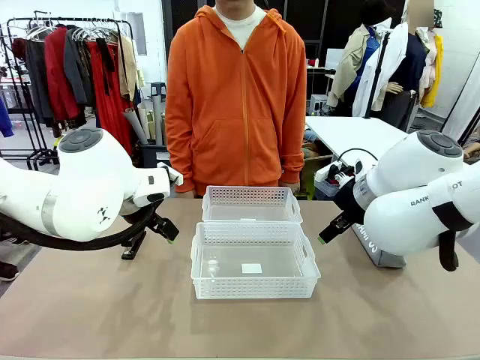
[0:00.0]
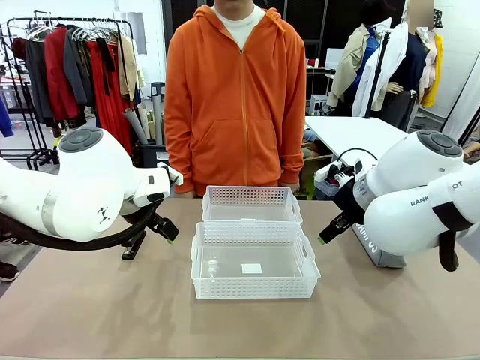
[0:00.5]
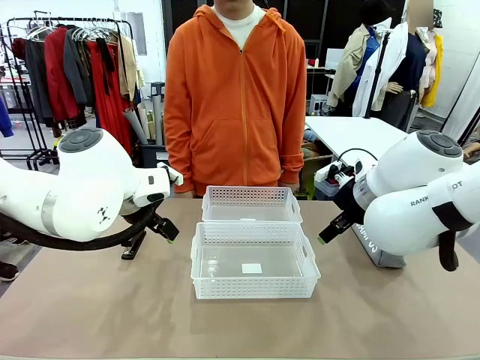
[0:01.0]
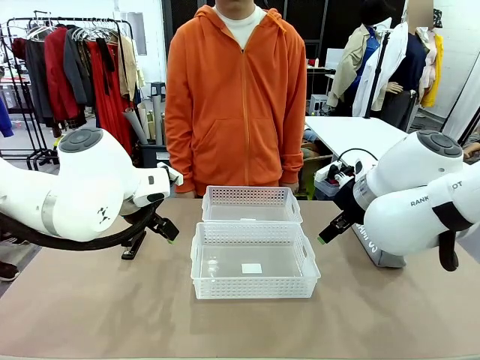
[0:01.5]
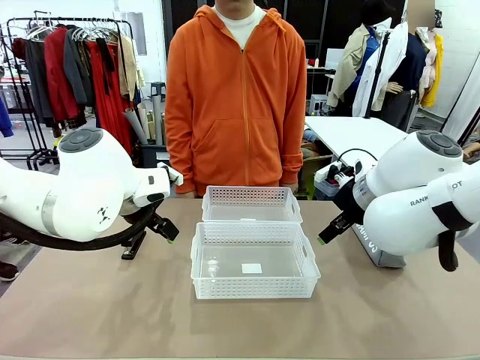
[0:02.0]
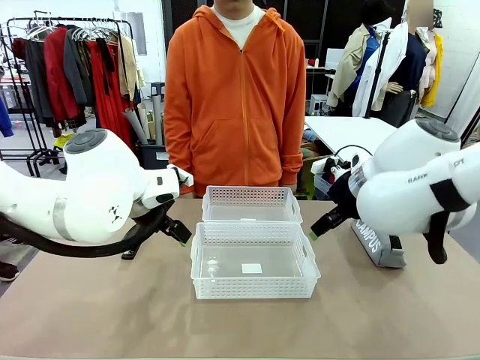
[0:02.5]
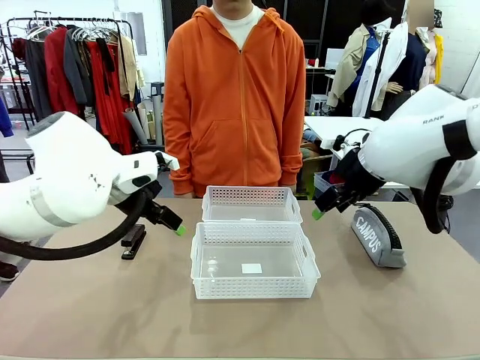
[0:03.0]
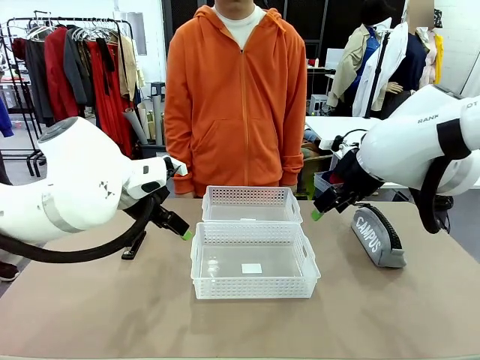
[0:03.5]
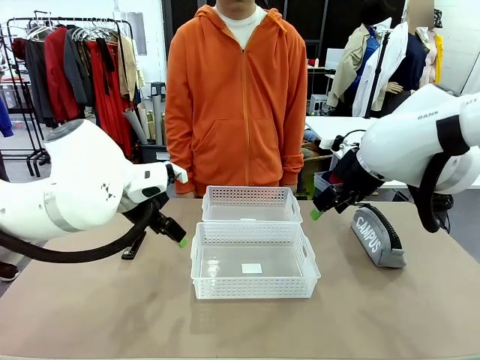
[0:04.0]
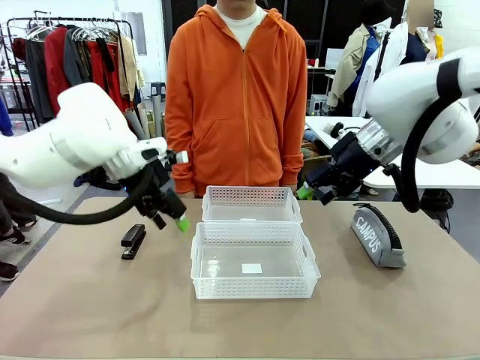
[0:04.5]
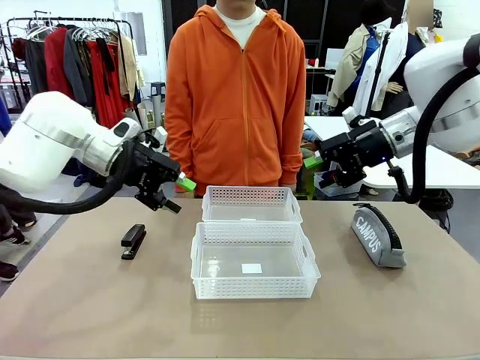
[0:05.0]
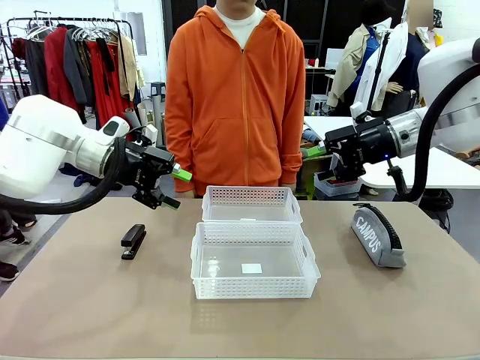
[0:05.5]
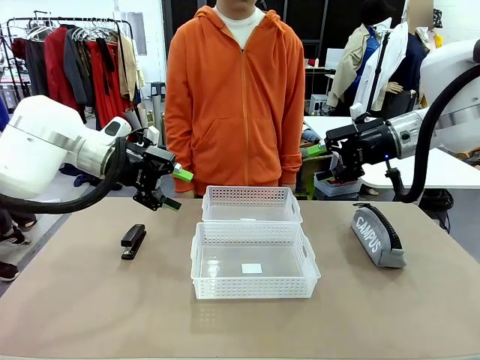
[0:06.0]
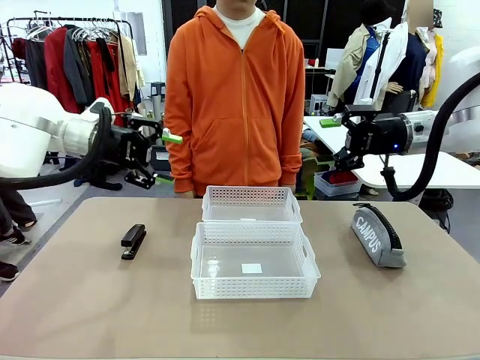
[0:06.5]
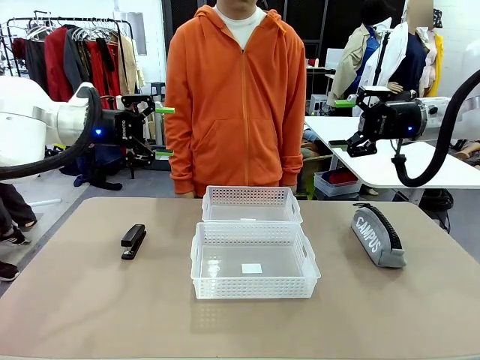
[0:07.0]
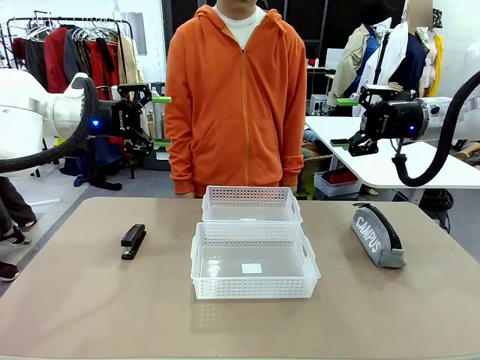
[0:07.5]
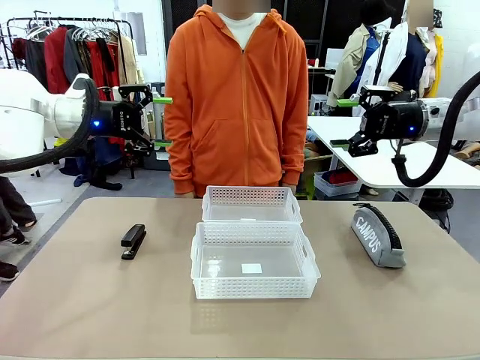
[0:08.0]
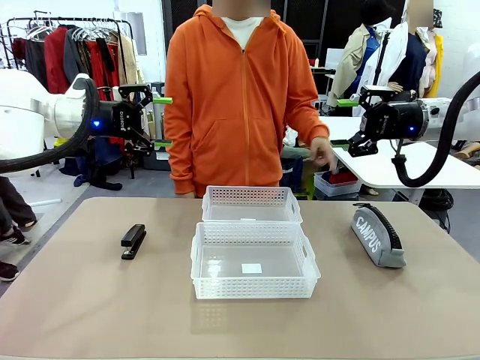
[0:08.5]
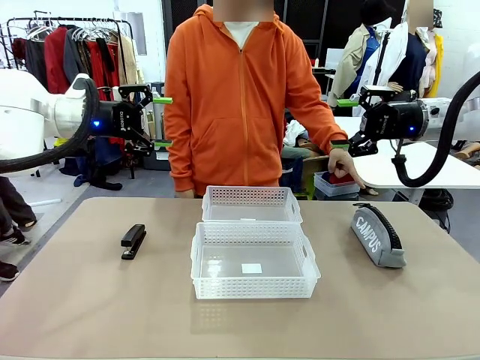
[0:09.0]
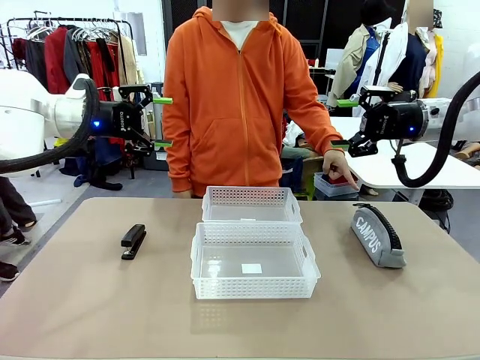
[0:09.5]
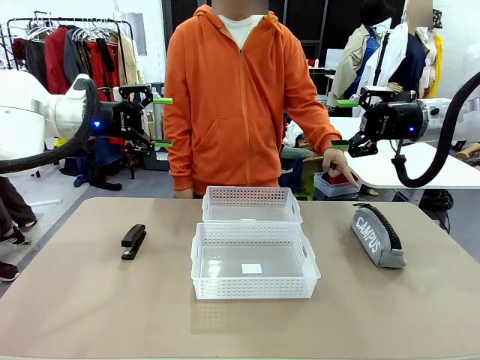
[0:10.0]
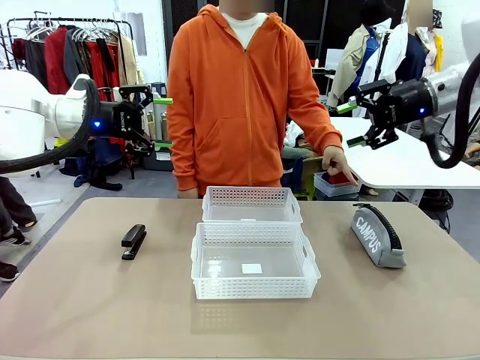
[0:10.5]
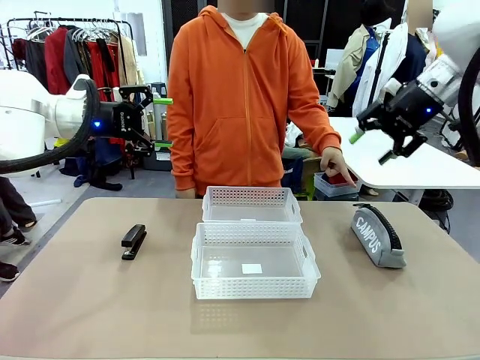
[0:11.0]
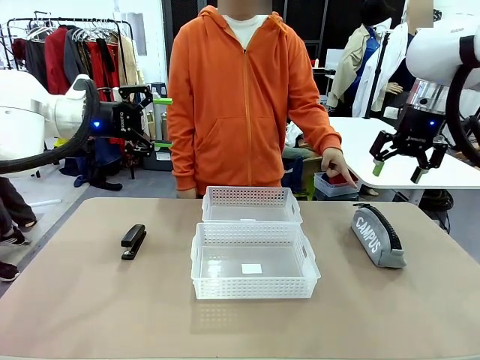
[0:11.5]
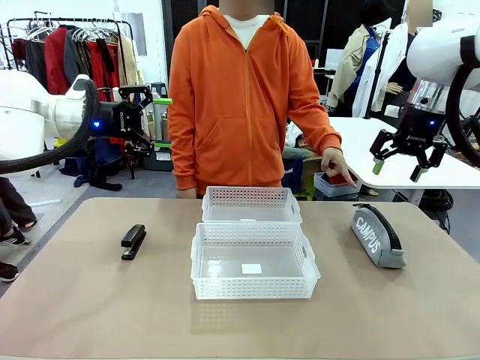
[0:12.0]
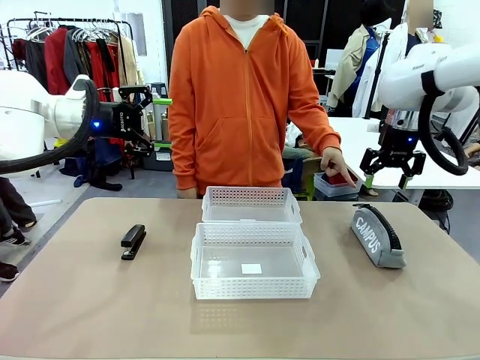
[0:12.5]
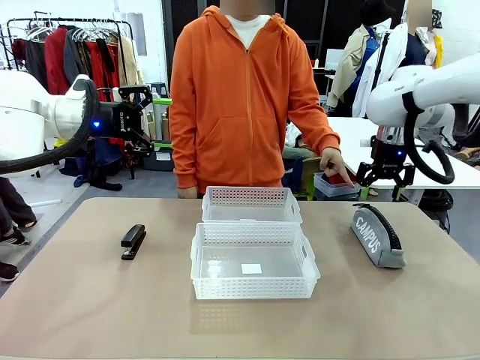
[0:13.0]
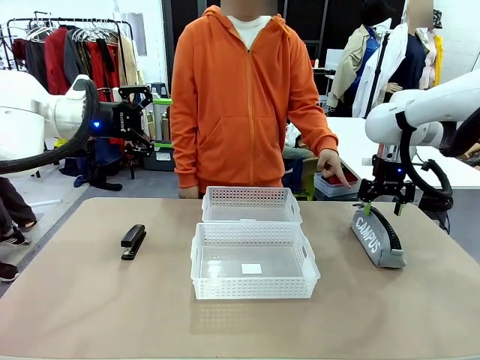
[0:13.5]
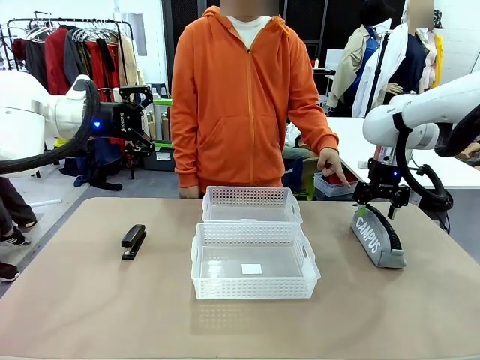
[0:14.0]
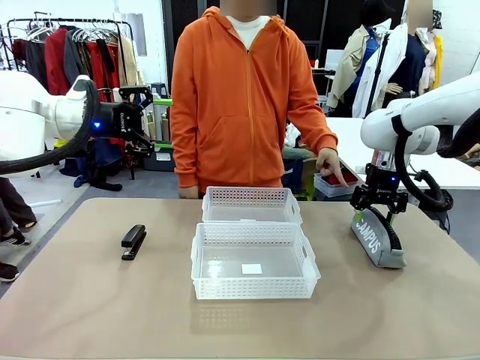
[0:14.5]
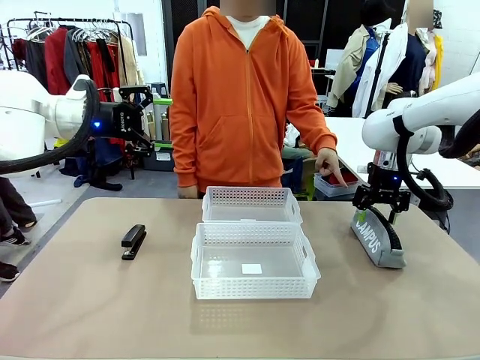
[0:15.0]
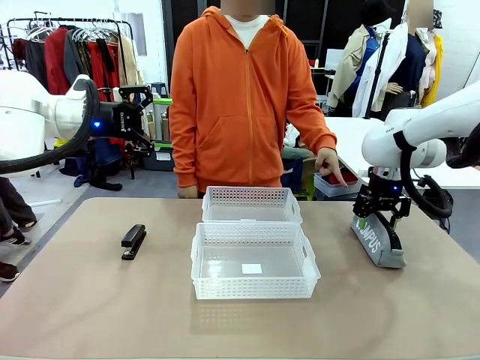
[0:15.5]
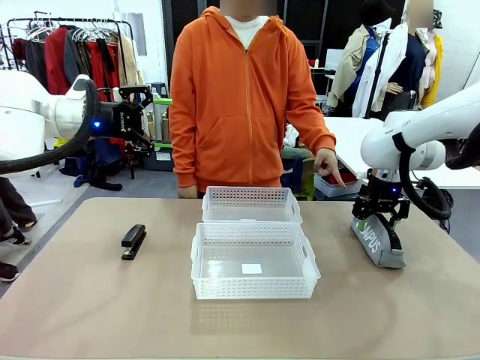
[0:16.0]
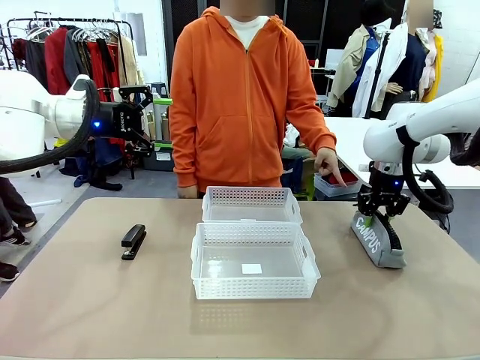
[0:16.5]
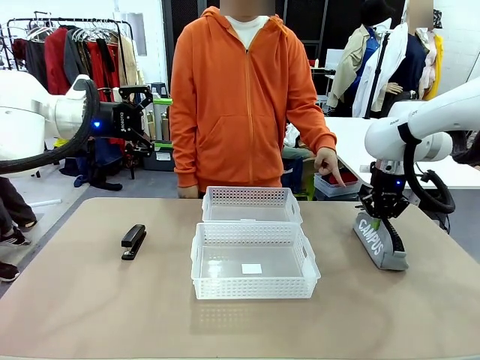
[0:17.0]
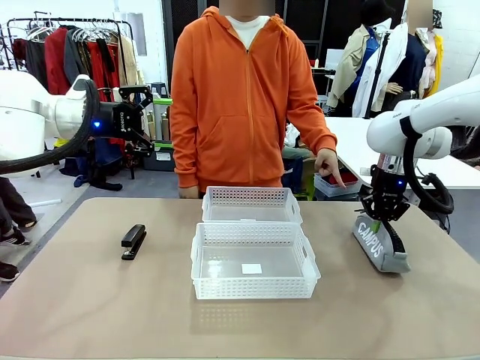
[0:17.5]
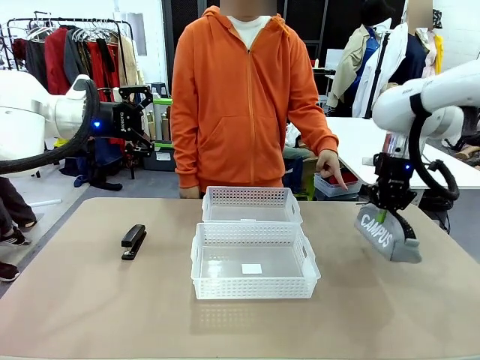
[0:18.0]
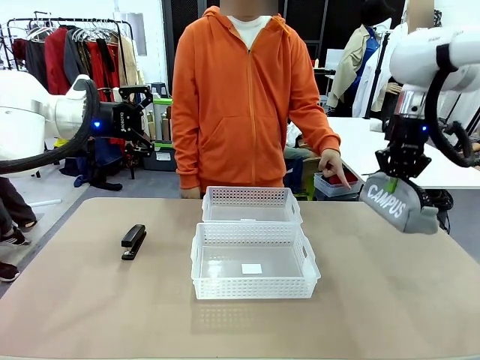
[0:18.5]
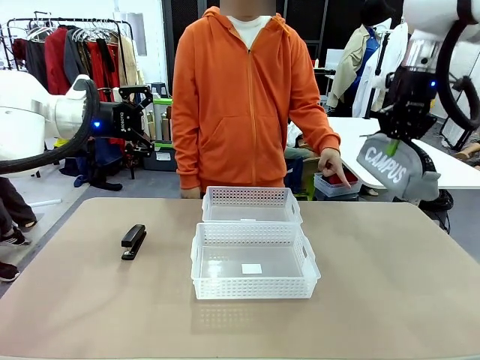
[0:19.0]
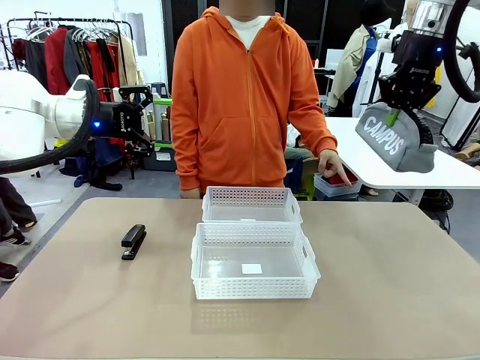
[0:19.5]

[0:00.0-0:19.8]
Task: Distribute items into two baskets.
Robot: Pick up the Pencil pouch that the person points to.
Person: Points to the pencil case. Points between the two organizing baskets and instructs the robot to move the pencil case.

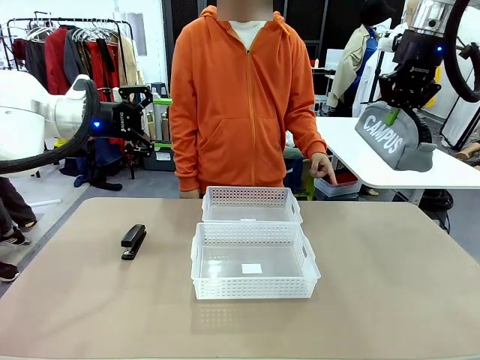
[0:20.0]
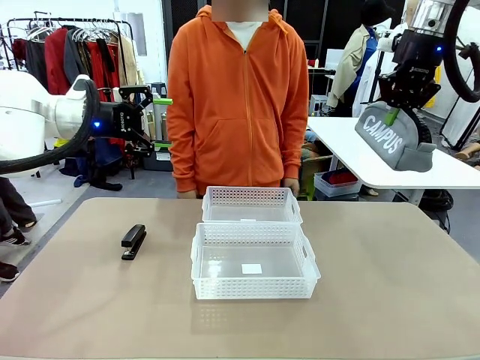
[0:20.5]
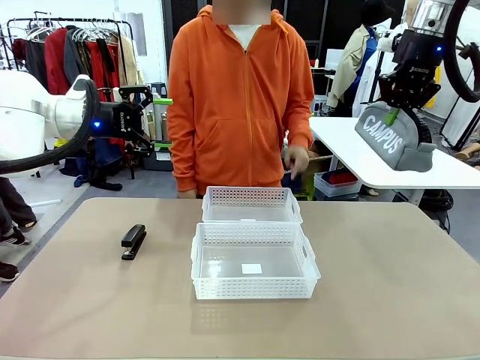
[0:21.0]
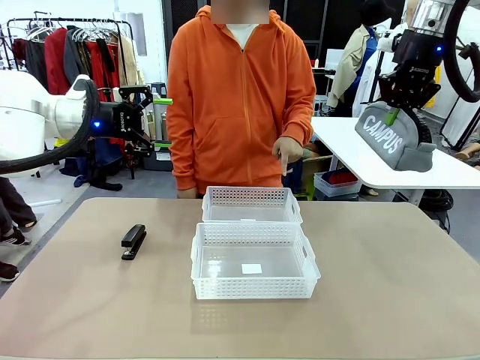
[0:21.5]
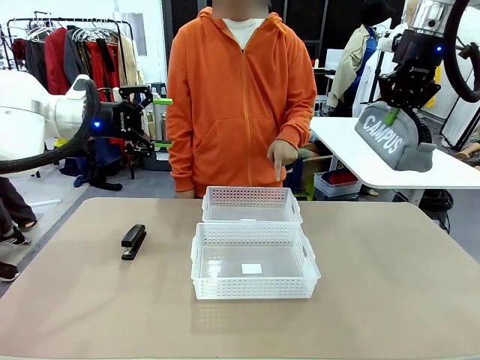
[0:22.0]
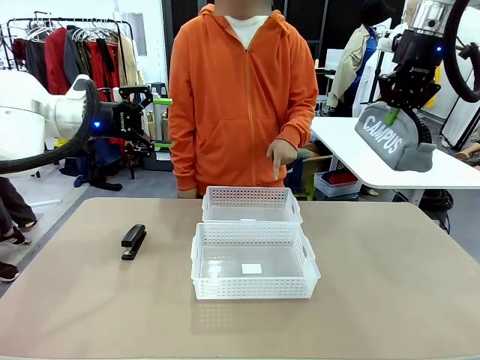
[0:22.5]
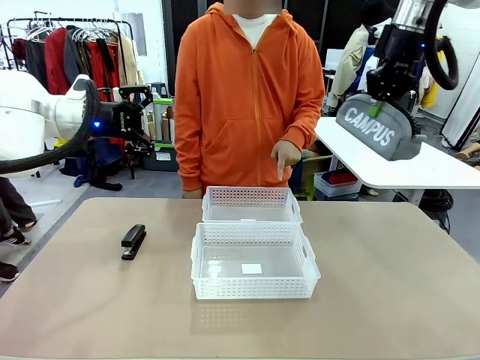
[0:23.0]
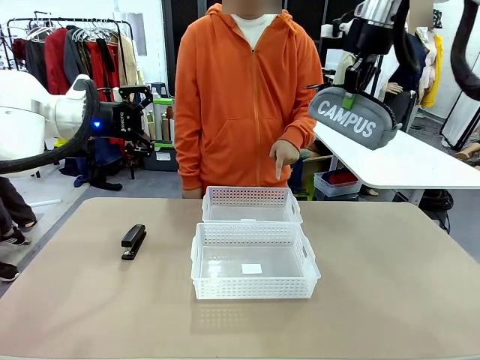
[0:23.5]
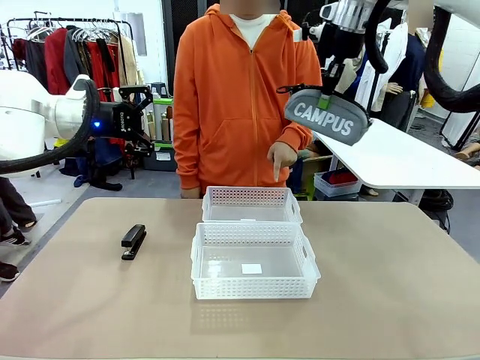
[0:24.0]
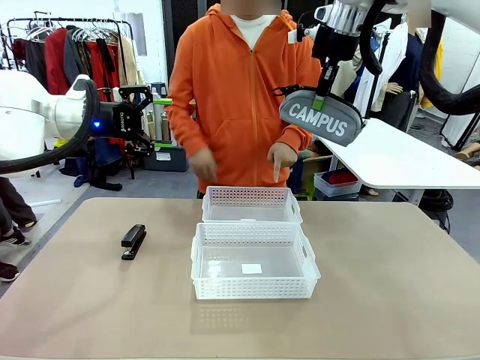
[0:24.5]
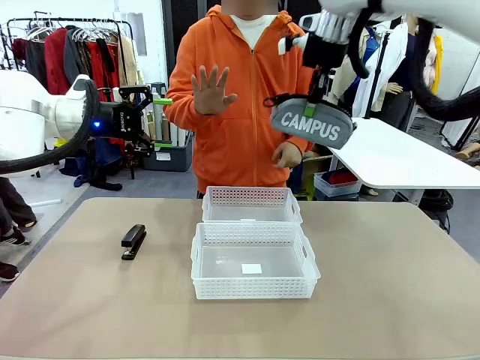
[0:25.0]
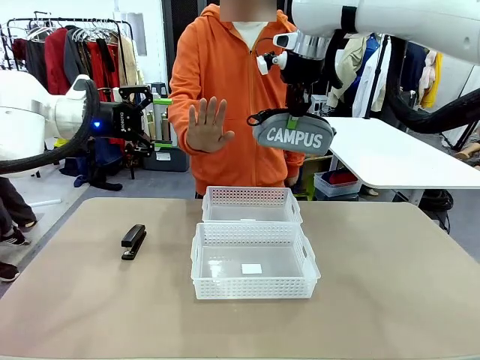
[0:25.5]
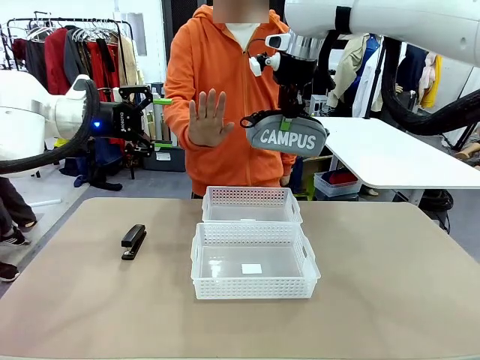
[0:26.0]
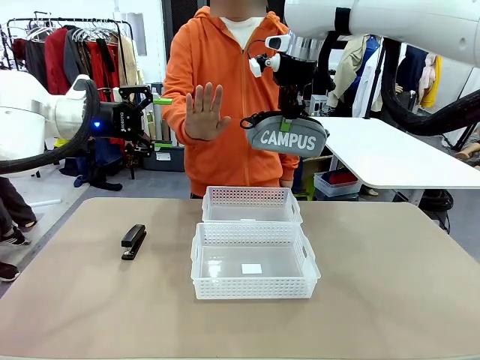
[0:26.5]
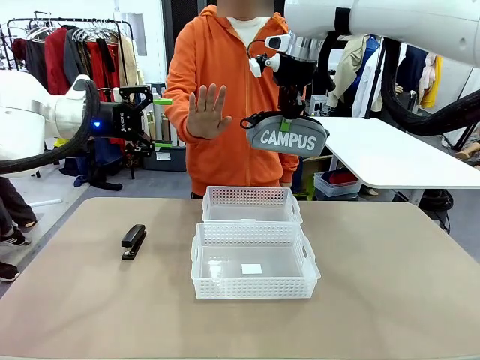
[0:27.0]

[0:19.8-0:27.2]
Robot: Move the picked Pencil pouch towards the Organizing basket indicated by the person, stopping as directed.
Person: Sends a stop gesture before the robot places the pencil case into the basket.
